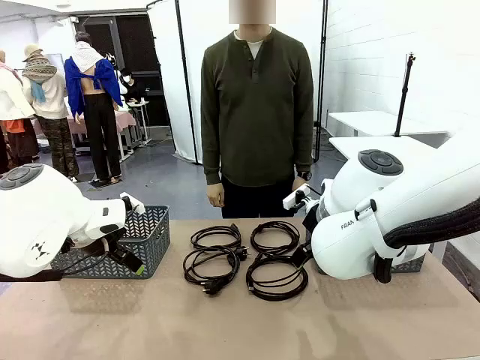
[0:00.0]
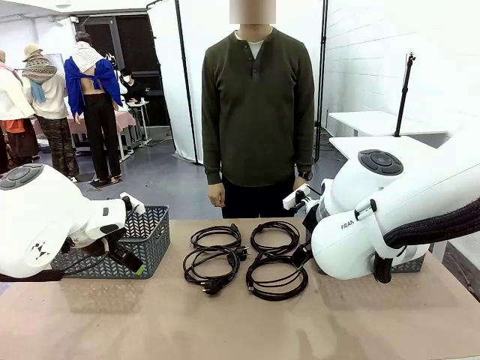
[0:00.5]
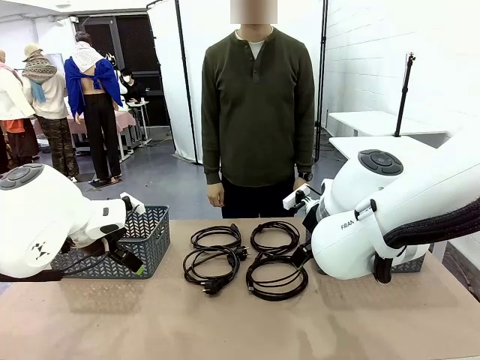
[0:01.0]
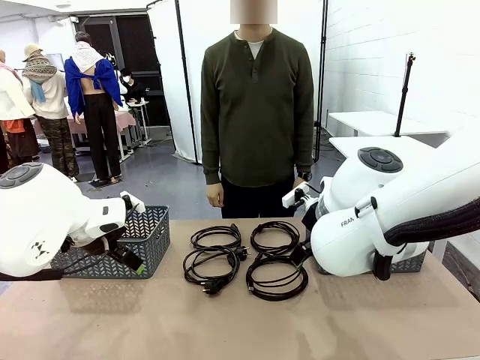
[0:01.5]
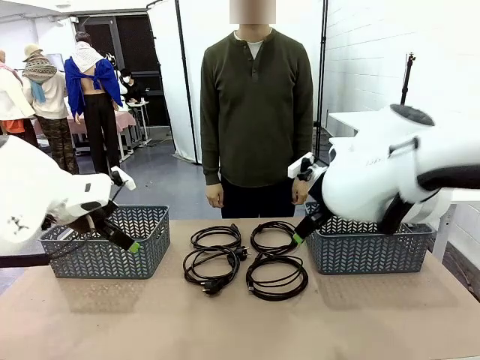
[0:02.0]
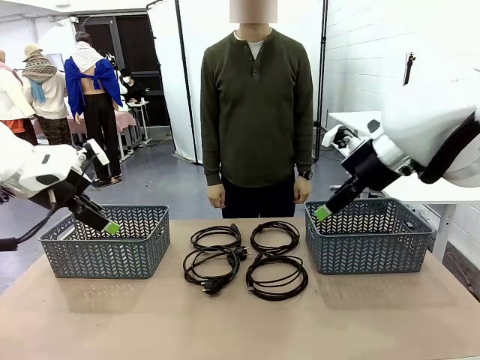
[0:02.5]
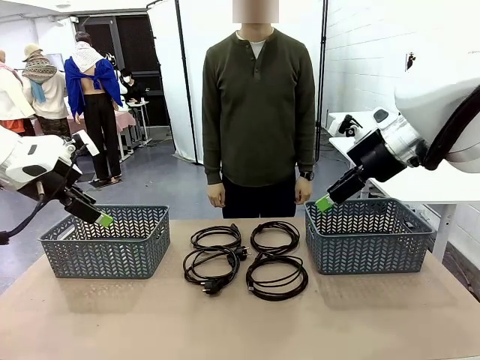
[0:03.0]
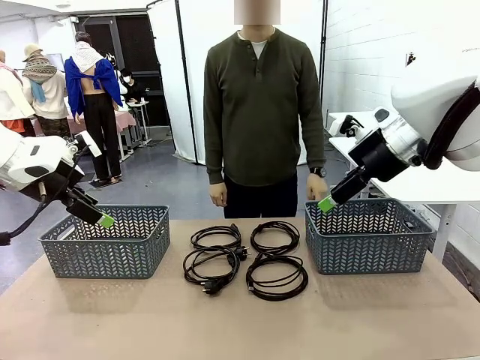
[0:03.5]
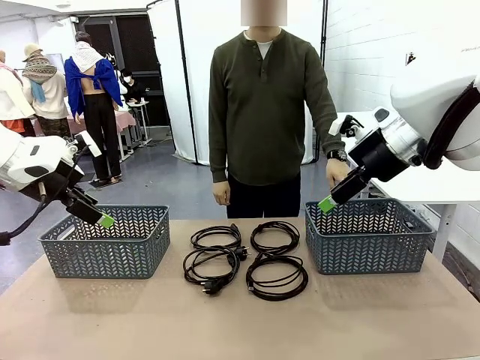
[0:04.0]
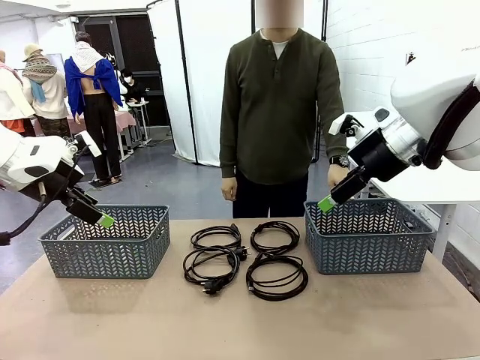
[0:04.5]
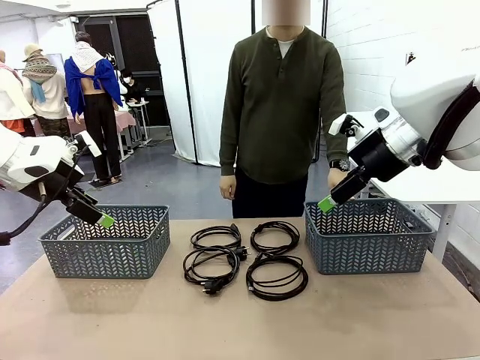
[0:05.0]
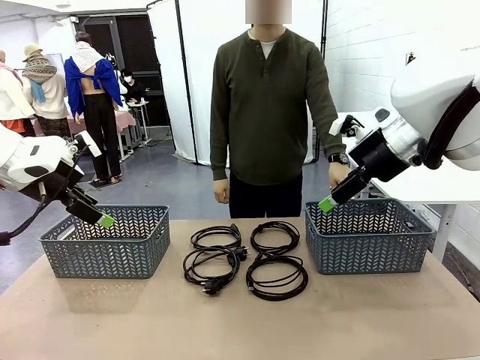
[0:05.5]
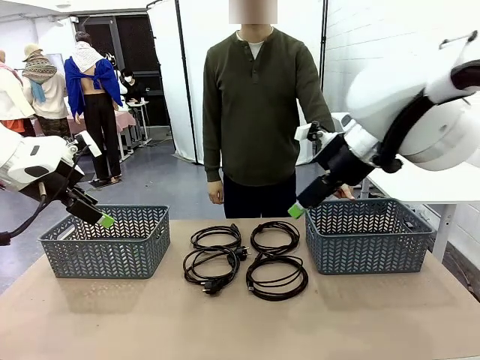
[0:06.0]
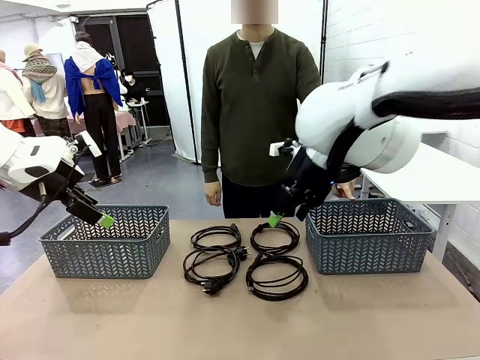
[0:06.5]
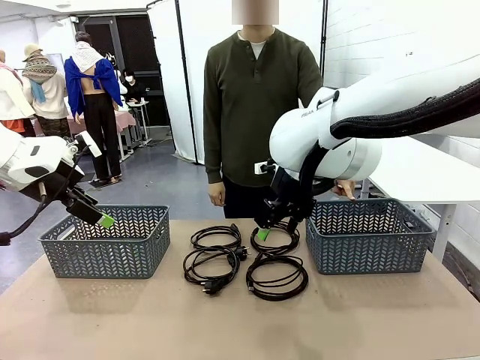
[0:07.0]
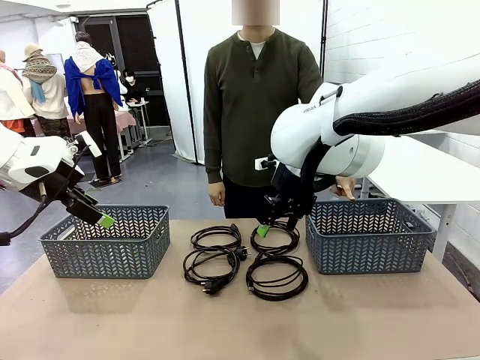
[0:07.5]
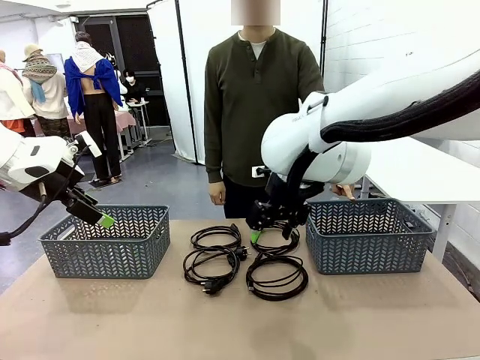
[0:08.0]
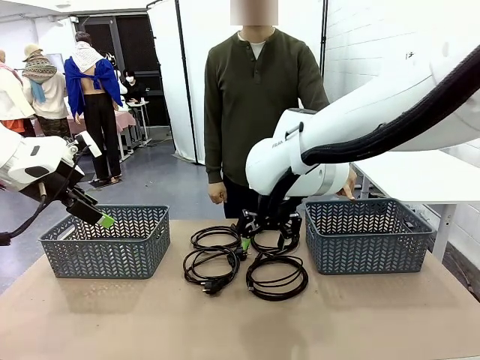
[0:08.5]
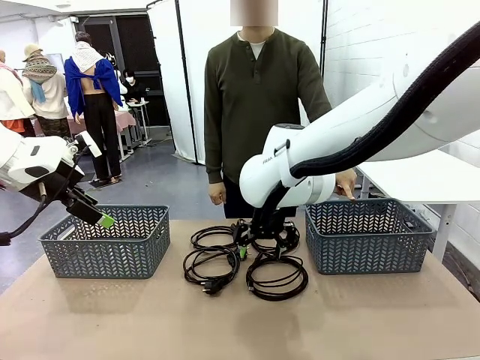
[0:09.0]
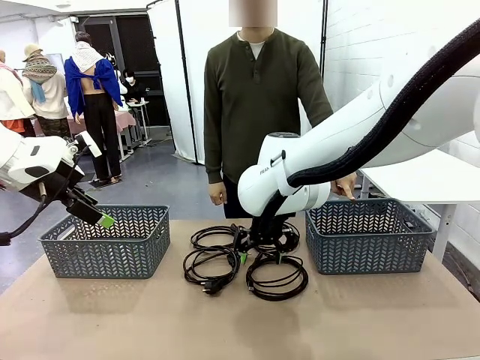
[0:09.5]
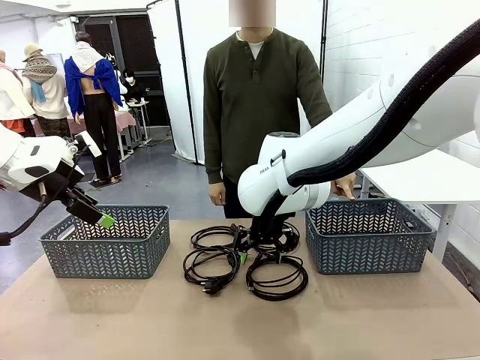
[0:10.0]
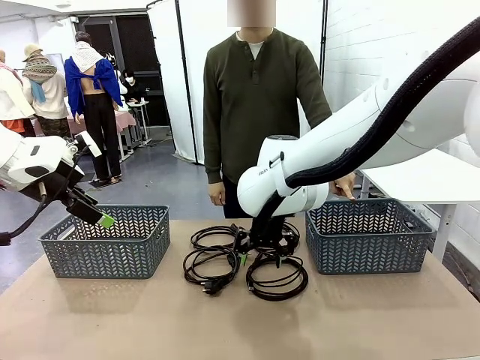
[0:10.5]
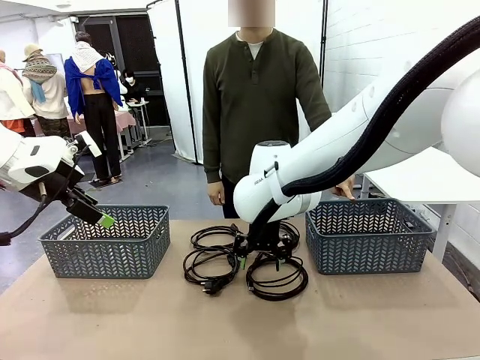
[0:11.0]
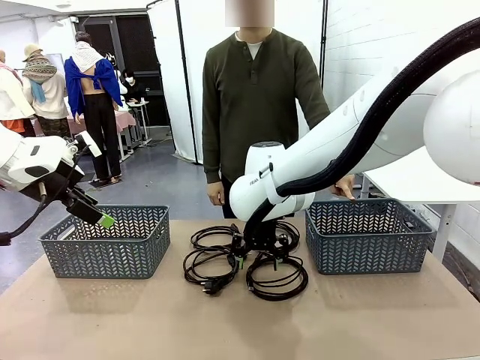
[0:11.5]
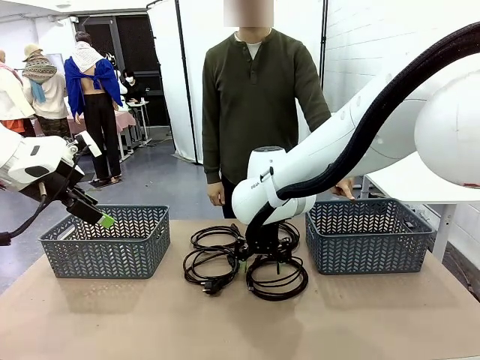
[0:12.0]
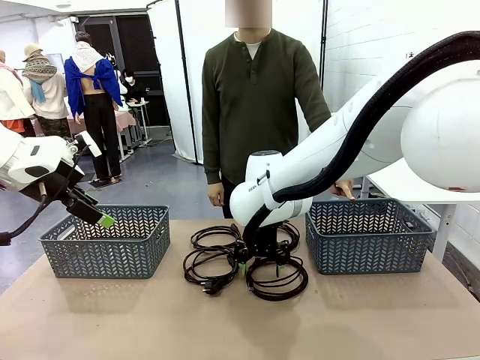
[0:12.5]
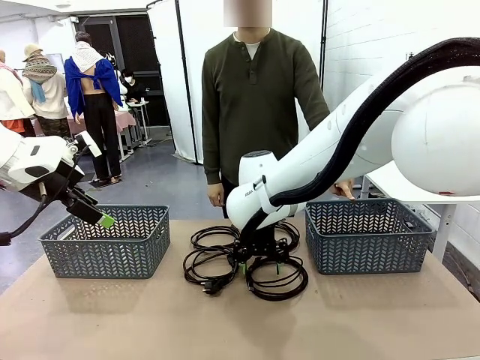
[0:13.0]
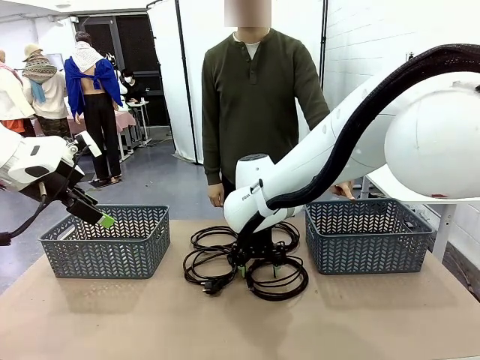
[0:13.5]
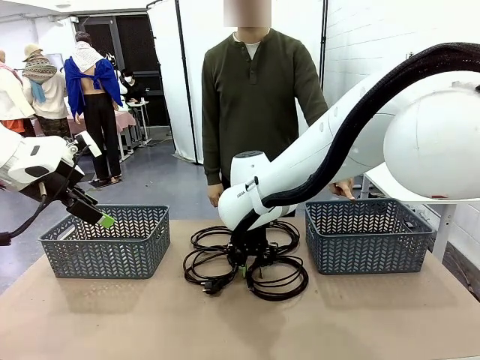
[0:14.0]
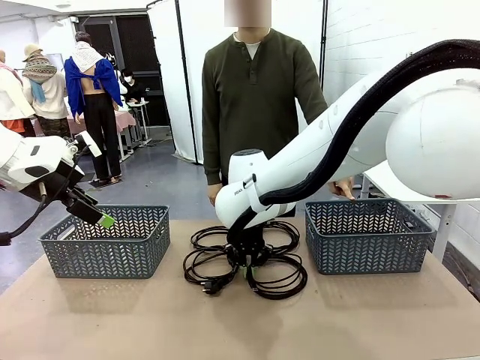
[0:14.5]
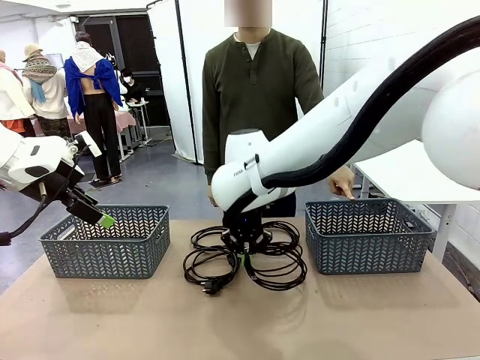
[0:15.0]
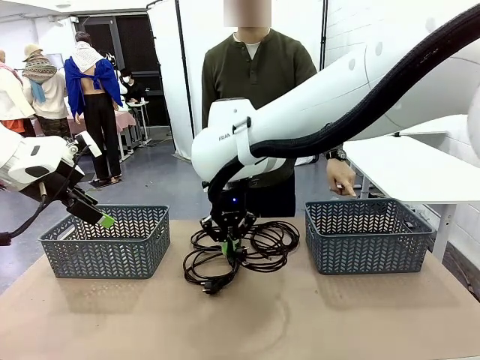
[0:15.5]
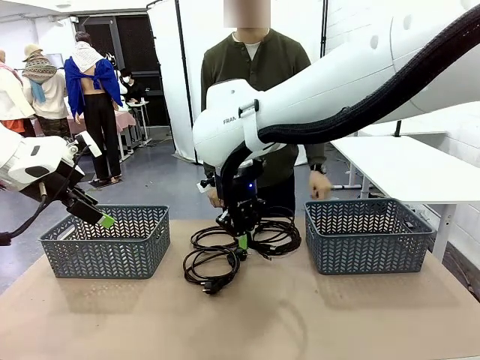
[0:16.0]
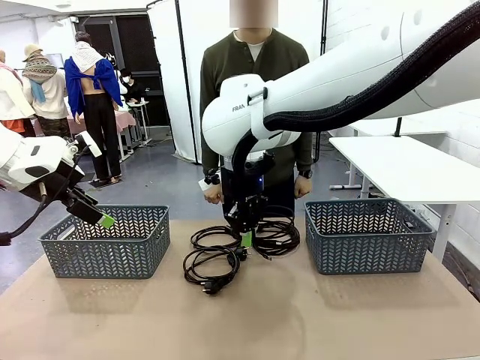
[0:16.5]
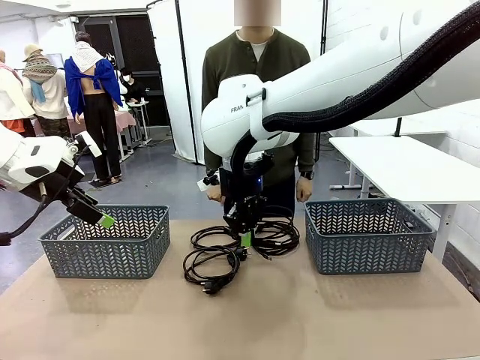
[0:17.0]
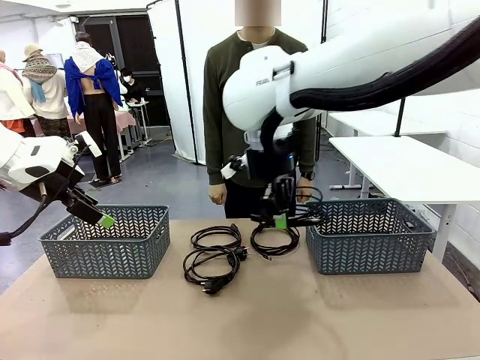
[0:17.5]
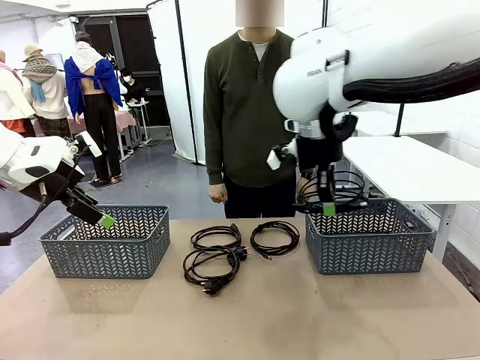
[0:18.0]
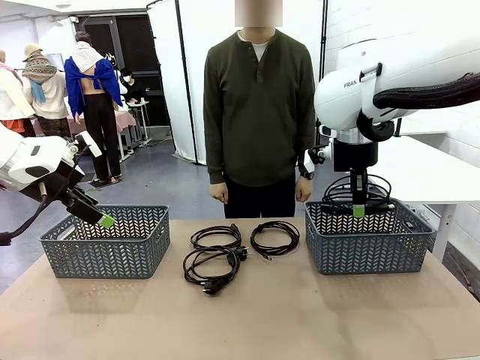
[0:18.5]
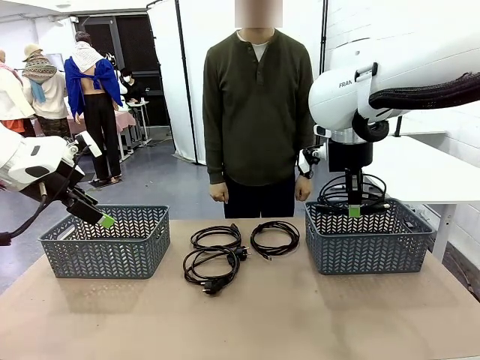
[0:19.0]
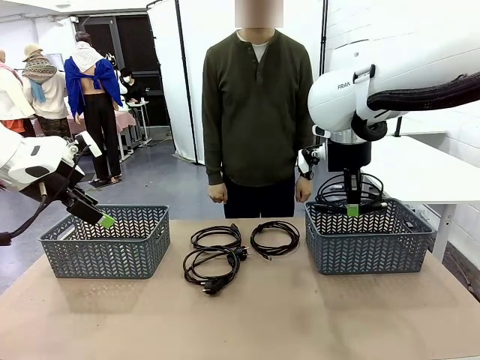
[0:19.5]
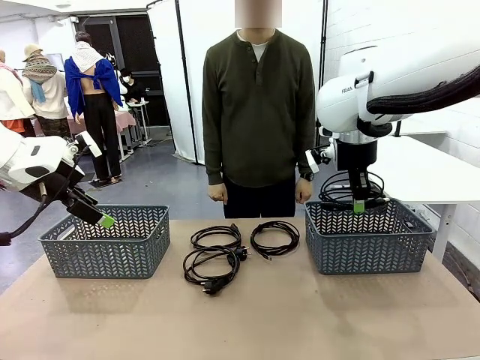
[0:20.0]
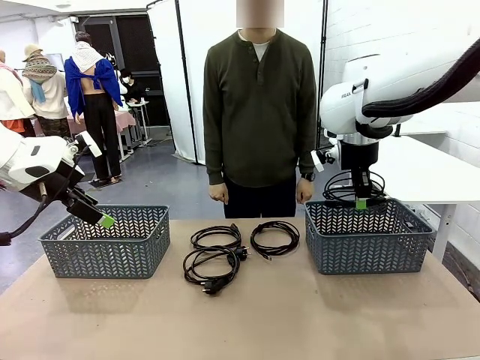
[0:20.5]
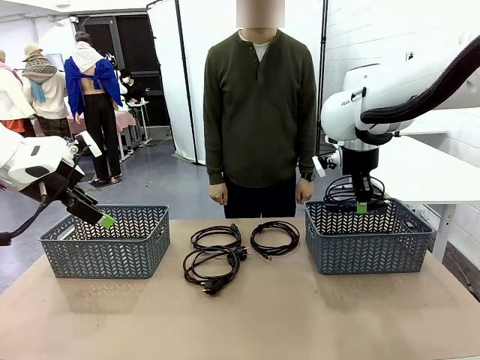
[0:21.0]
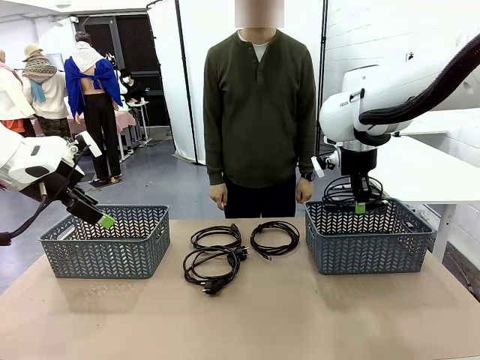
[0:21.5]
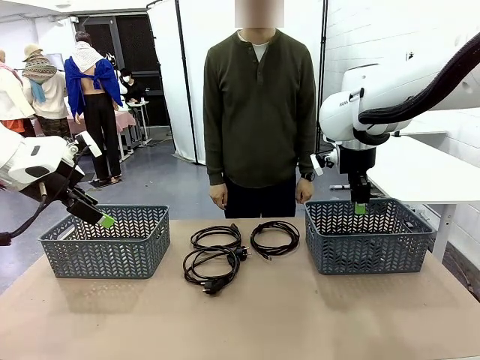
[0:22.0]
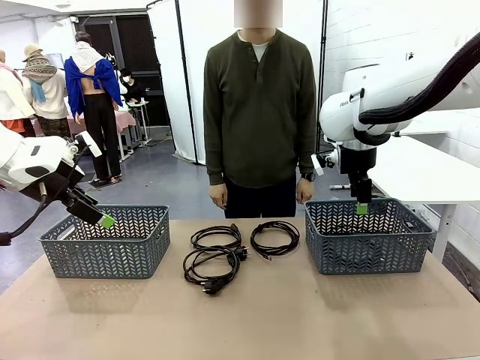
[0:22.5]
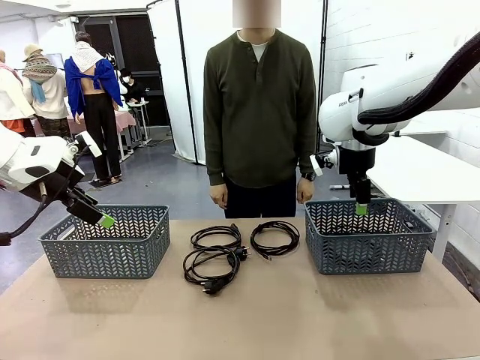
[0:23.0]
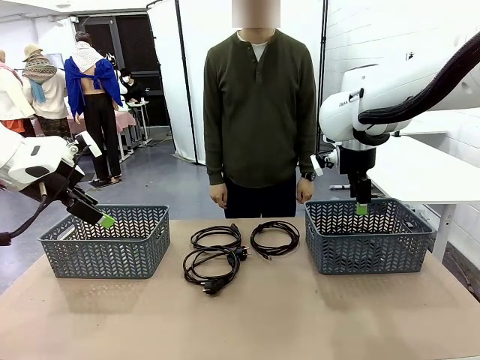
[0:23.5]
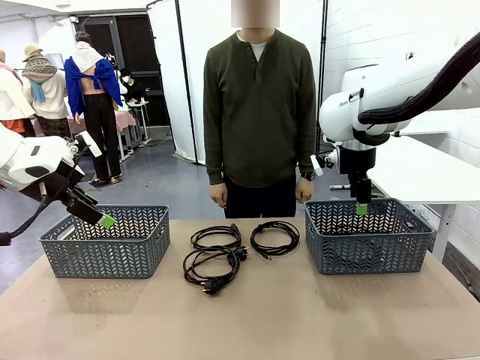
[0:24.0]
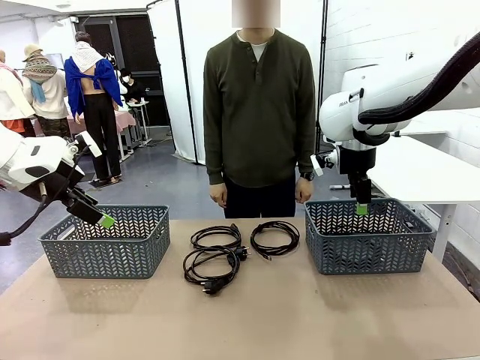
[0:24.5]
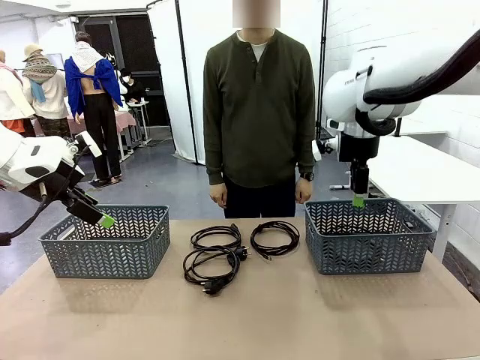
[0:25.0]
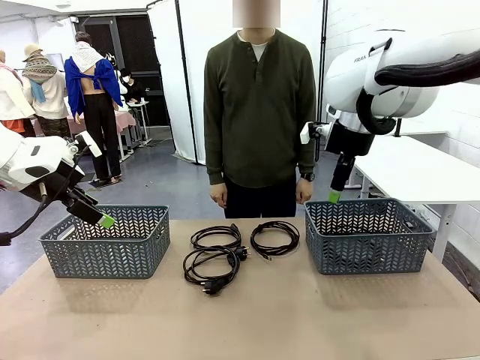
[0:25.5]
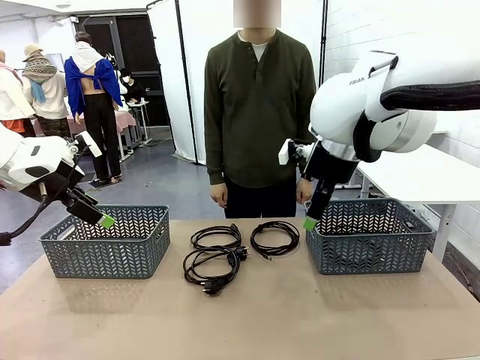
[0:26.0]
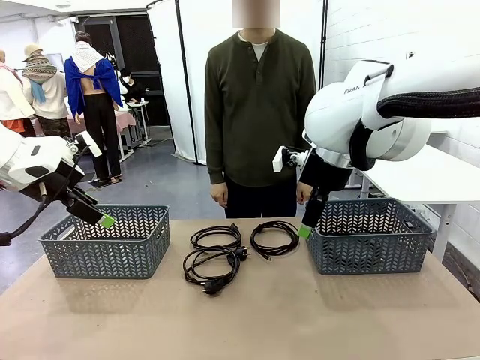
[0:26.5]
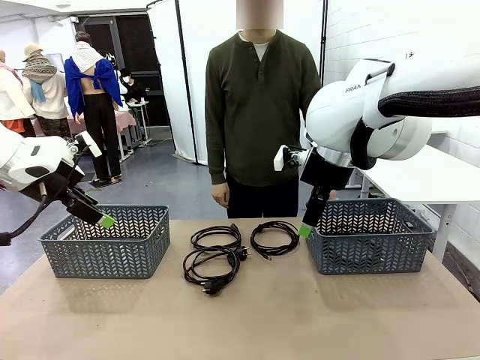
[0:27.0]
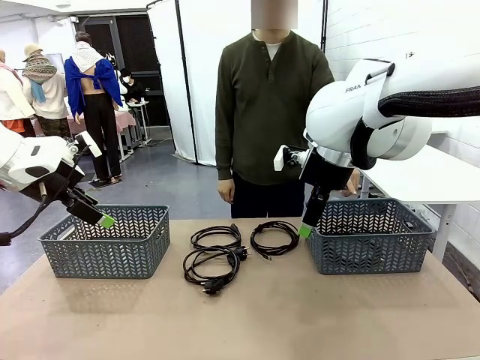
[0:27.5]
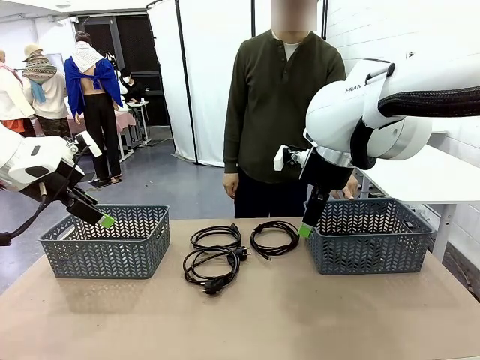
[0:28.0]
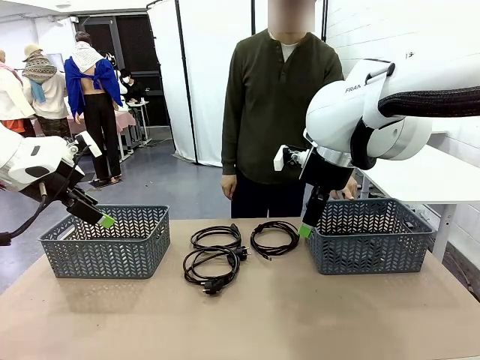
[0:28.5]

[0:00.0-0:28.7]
Task: Organize the cables according to human instructions.
Robot: Pick up a bundle of cables and place it in the basket indicated by the human.
